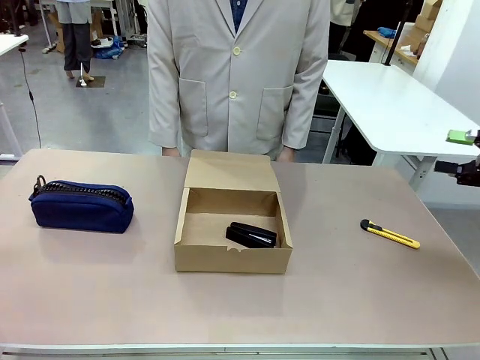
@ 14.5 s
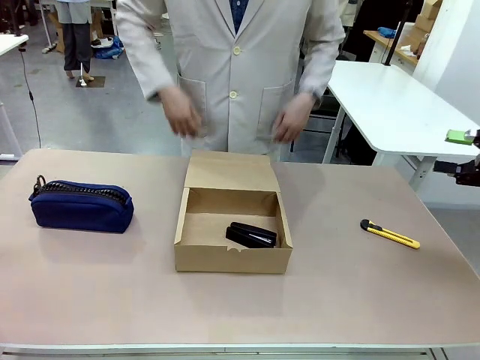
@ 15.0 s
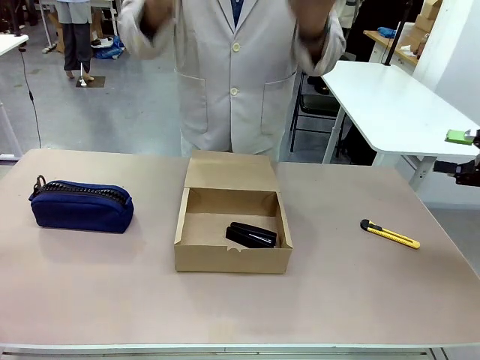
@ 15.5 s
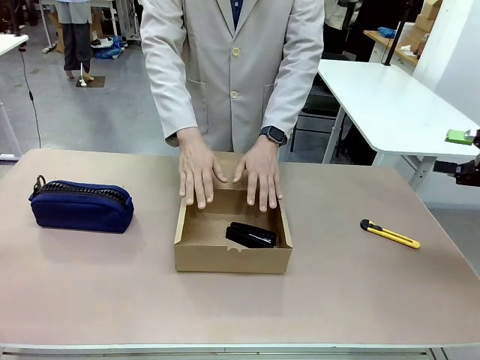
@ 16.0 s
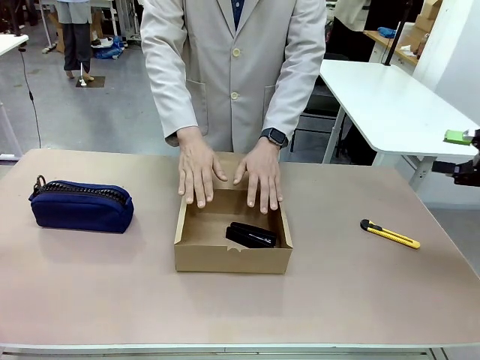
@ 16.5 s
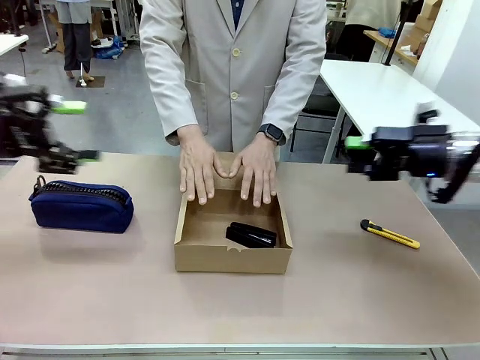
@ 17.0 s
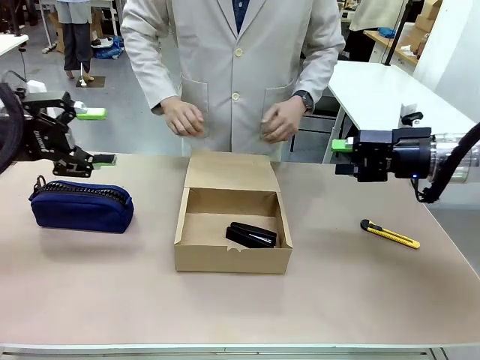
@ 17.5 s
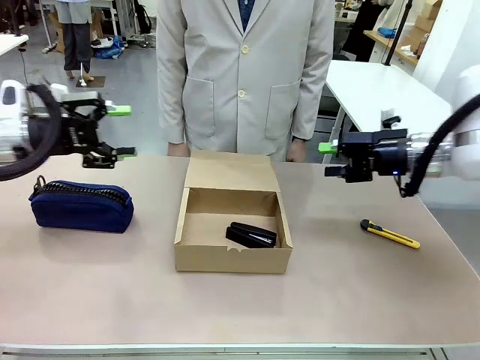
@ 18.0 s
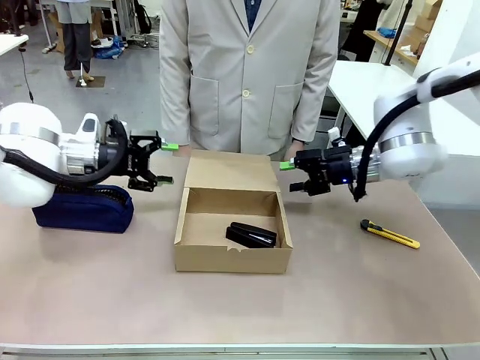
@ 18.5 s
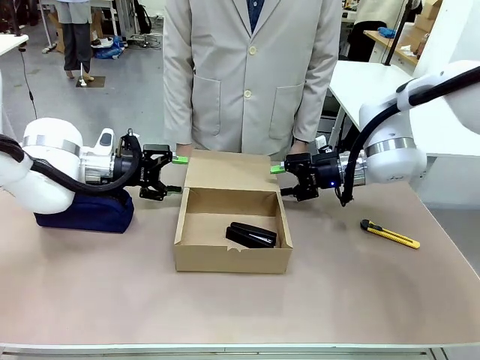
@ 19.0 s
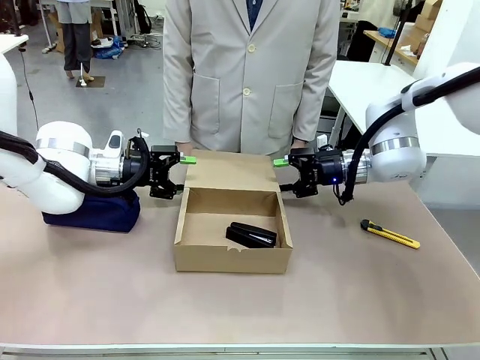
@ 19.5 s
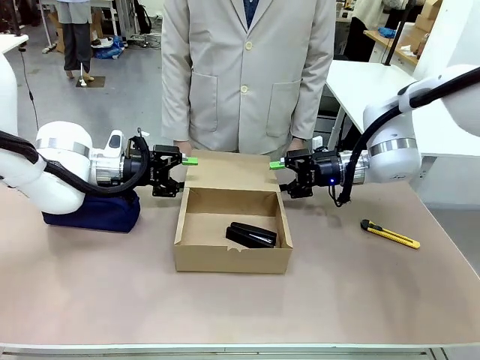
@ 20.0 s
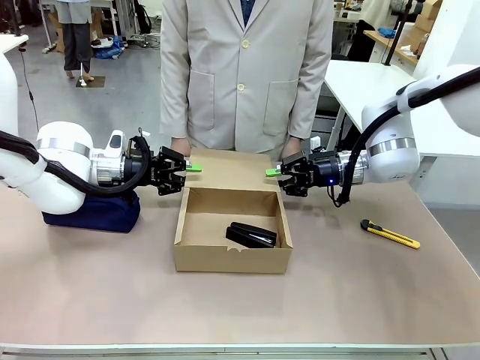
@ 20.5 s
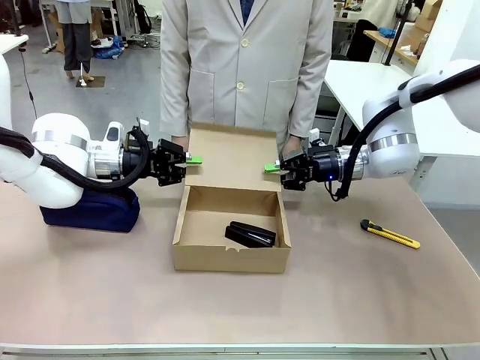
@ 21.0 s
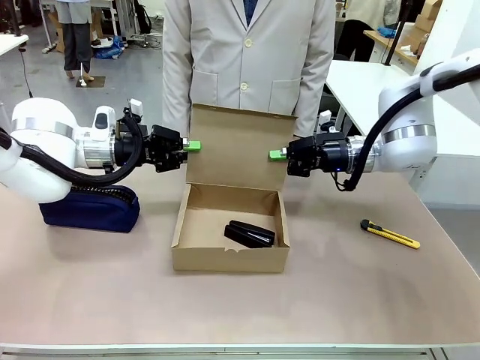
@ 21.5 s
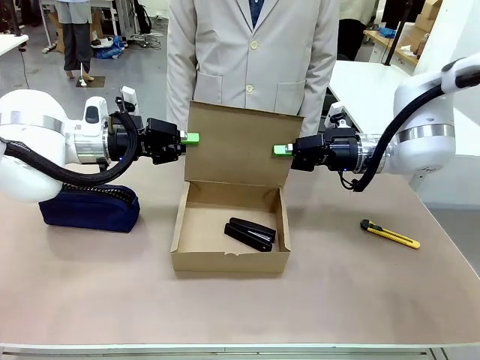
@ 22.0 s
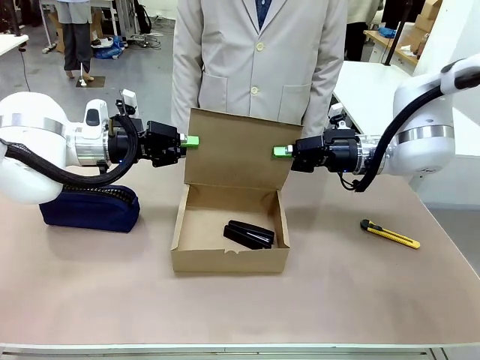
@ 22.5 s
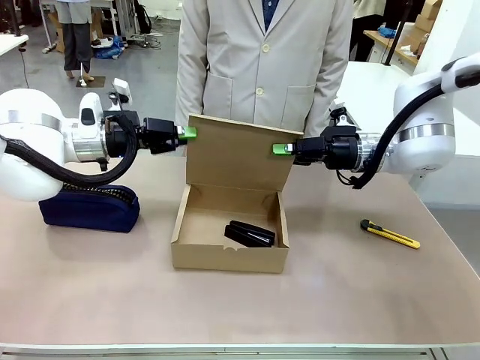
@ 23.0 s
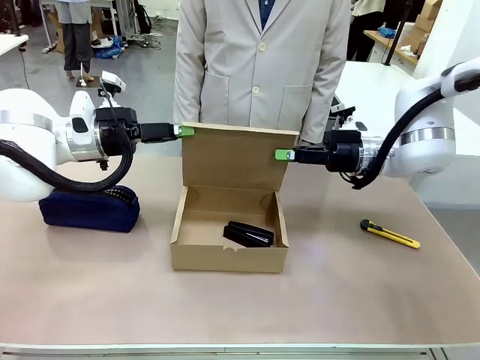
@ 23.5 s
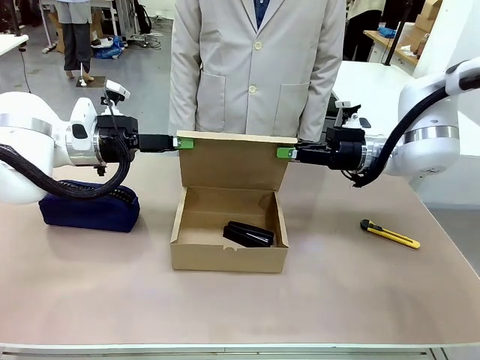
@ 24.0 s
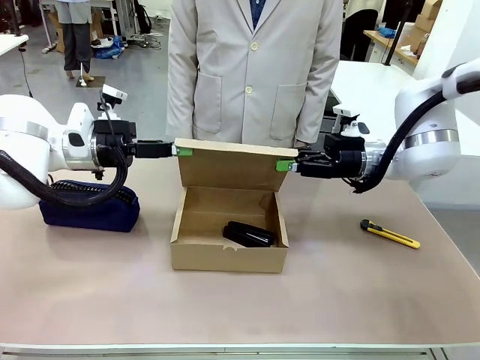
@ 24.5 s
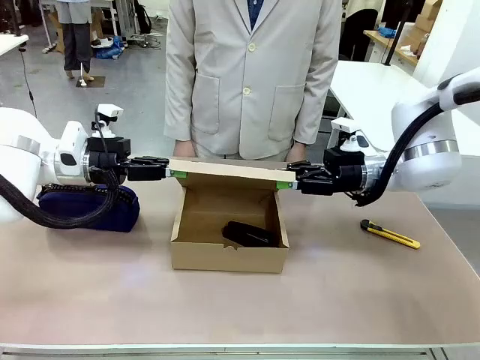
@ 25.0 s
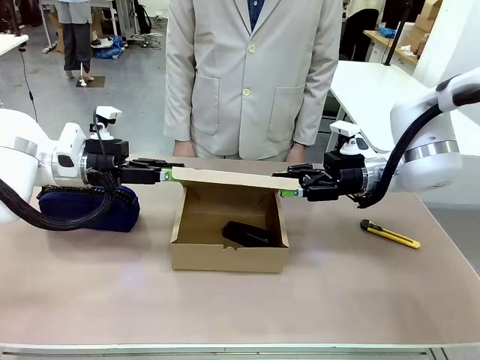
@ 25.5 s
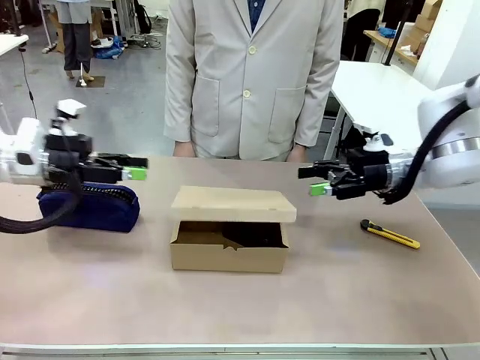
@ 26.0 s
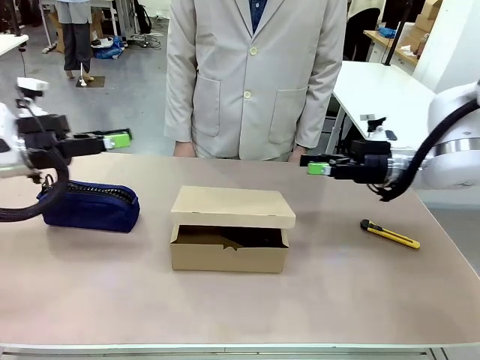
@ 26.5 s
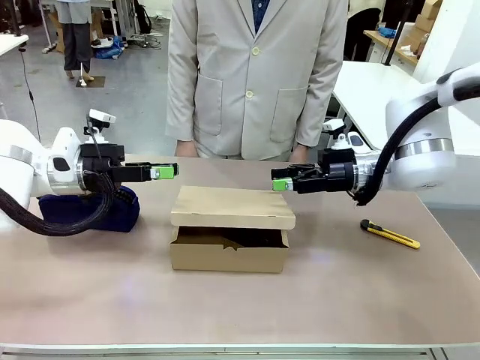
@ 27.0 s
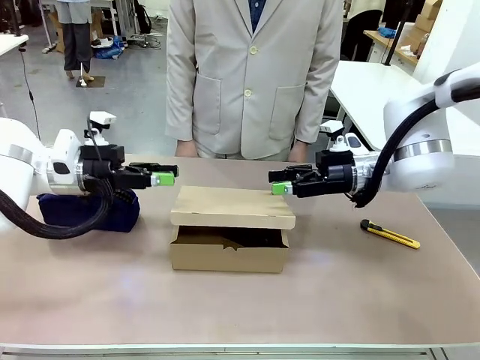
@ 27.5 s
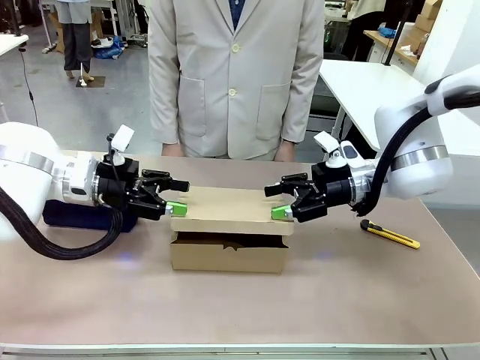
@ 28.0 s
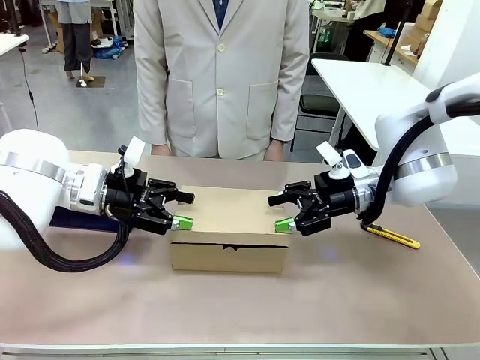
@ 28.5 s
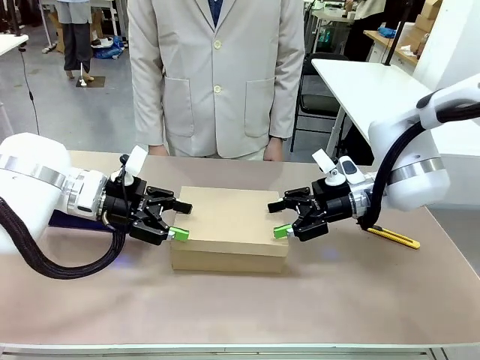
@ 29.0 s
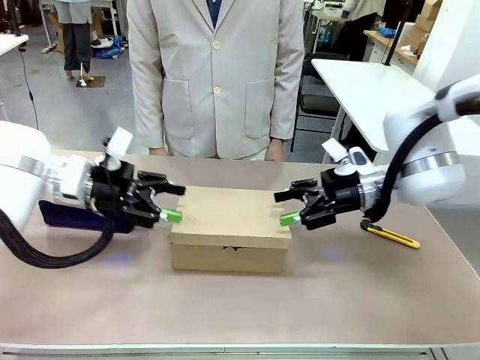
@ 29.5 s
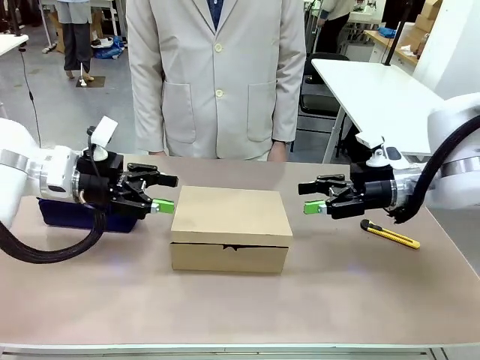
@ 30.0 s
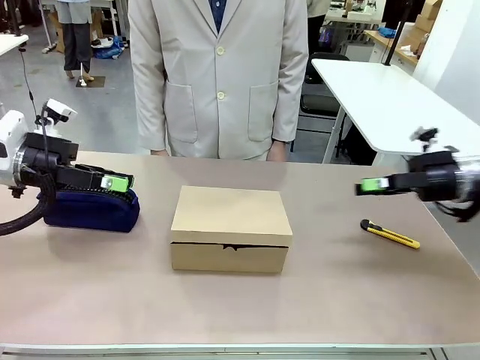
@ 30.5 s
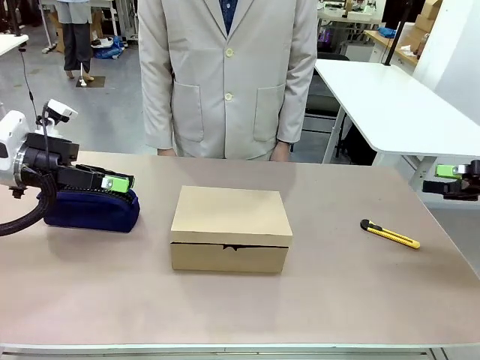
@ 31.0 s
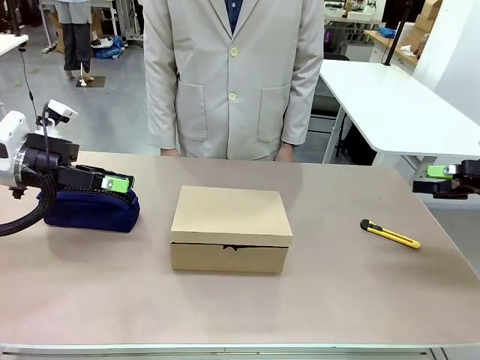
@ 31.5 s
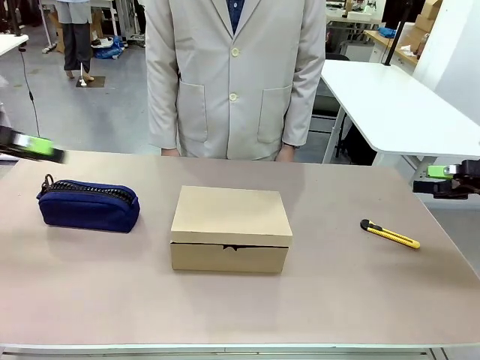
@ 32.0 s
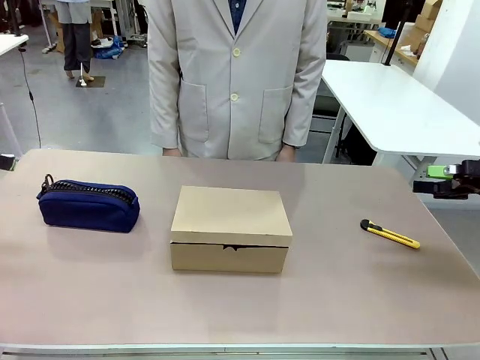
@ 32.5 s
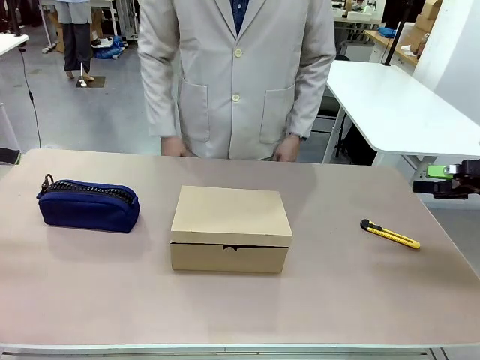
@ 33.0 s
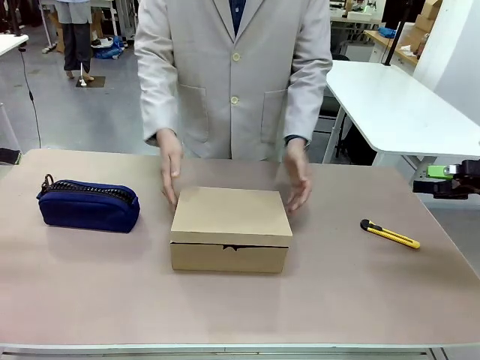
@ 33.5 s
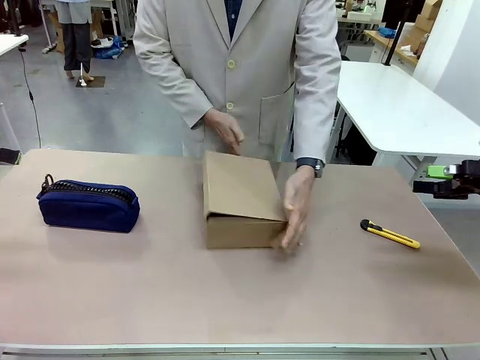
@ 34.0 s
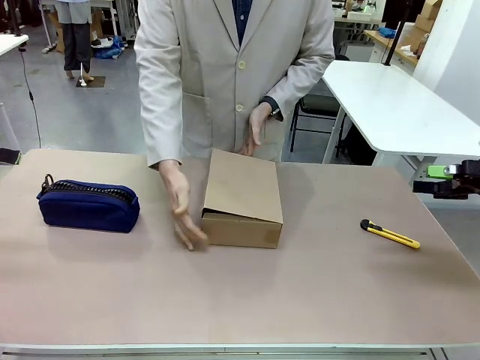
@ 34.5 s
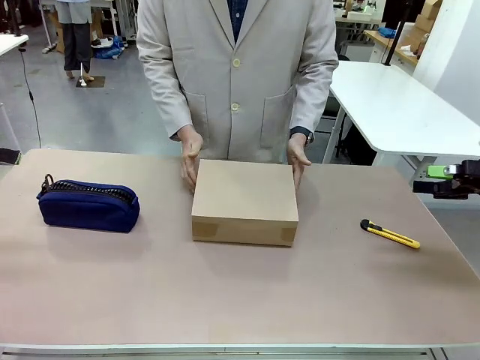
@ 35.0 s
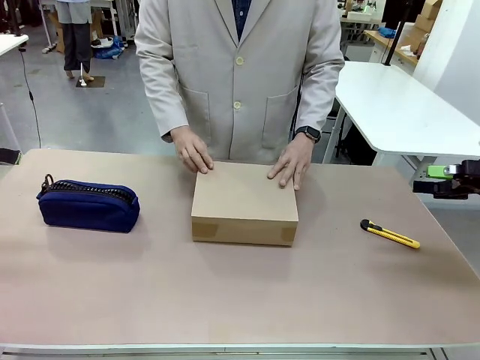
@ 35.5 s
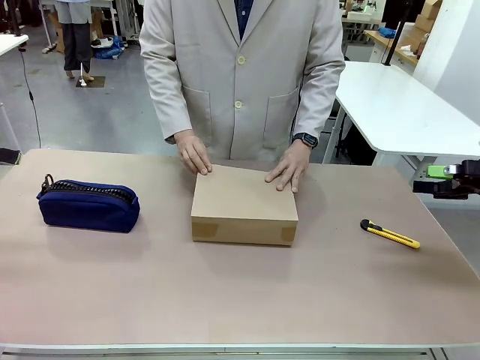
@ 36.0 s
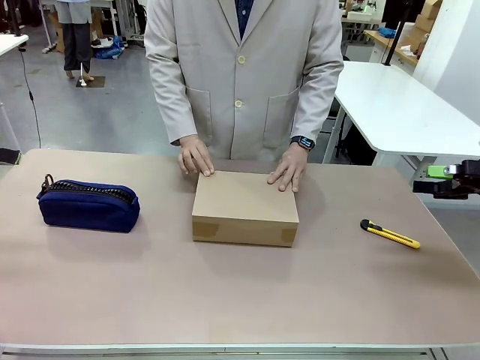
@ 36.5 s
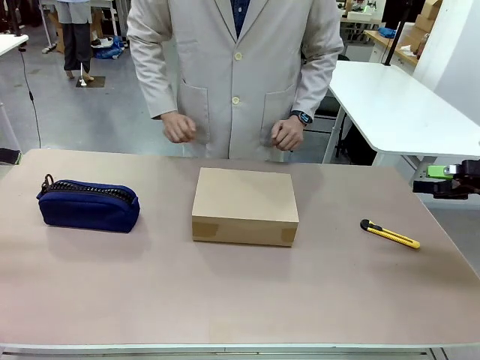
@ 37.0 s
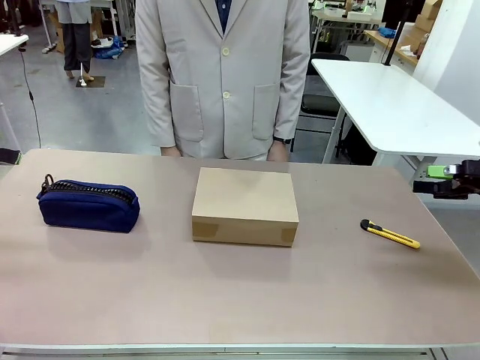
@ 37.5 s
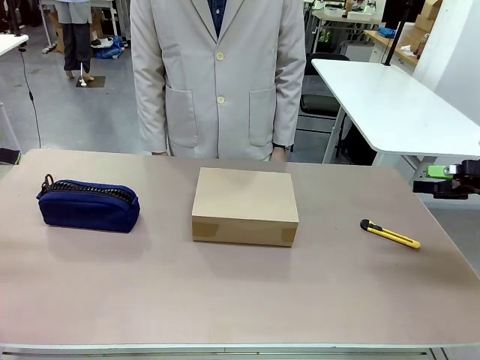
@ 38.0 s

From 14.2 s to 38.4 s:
Task: Pack the item into the box.
Robot: Close the Mailer Box.
Person: Lower both hands vertically with palms facing downward, as if pressing something closed. Turn the box and lock it.

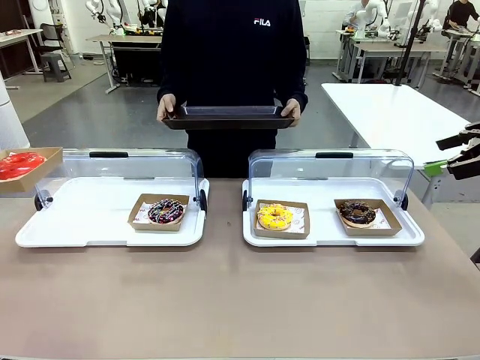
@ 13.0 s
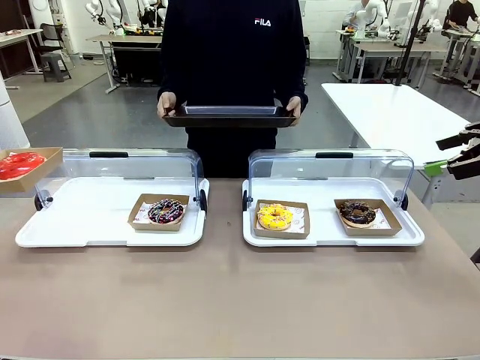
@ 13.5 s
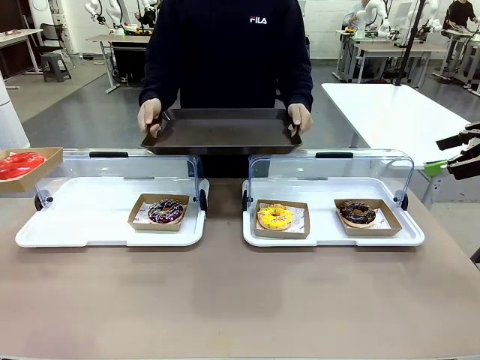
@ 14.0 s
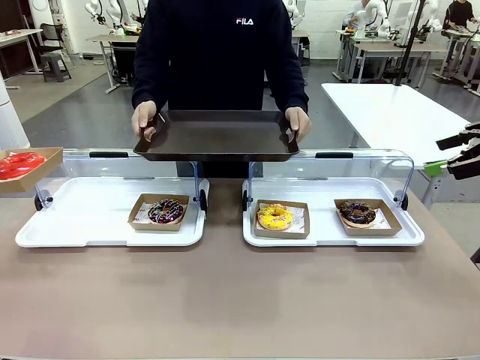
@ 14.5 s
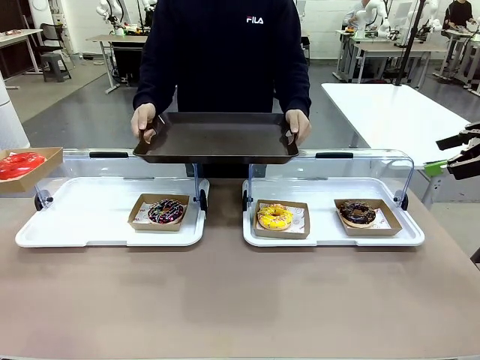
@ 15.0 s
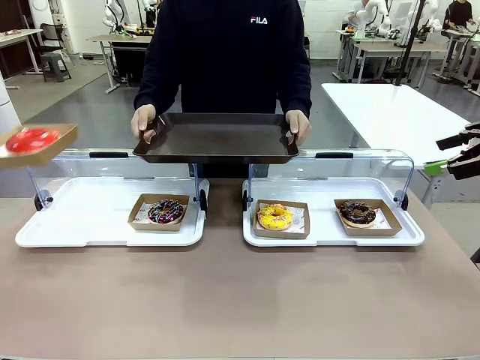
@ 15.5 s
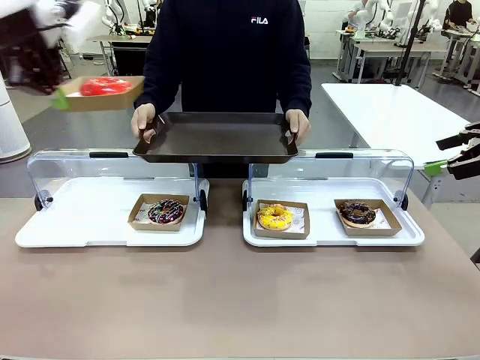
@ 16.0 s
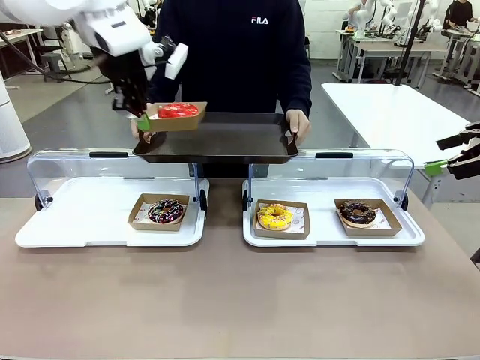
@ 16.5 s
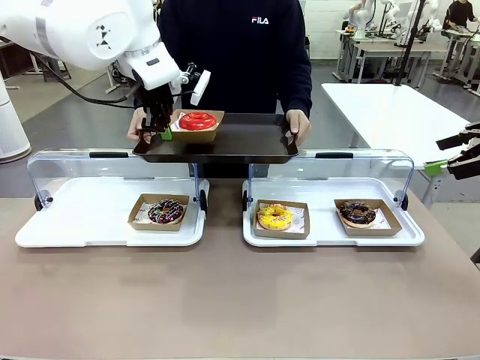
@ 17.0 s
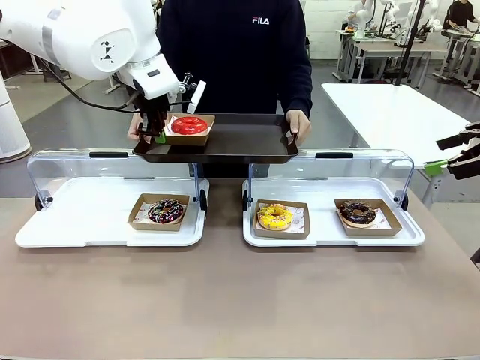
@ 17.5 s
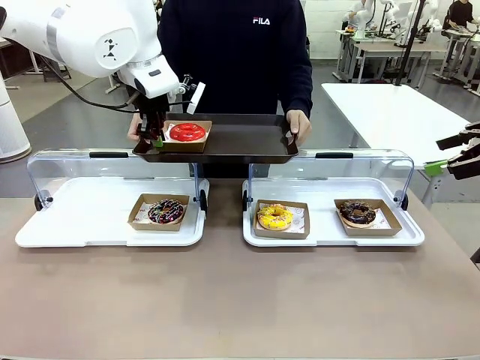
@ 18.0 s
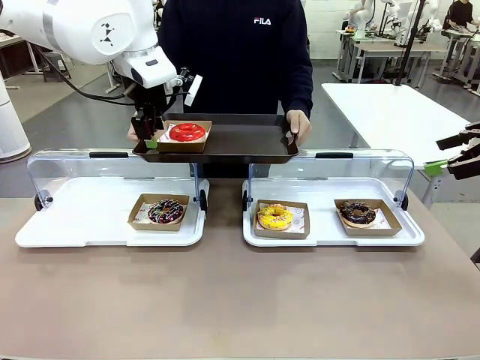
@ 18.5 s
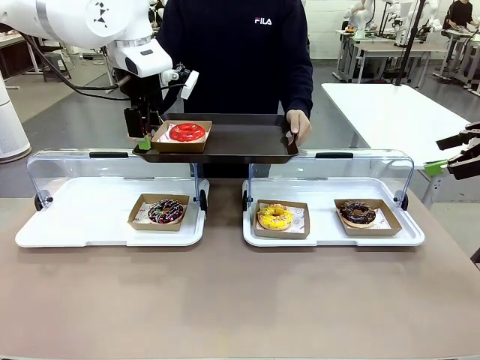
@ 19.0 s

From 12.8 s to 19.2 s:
Task: Provide the desired donut to the person.
Robot: Place the picked Paper togo box onto the Handle tray extended by the person.
